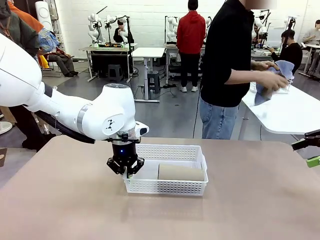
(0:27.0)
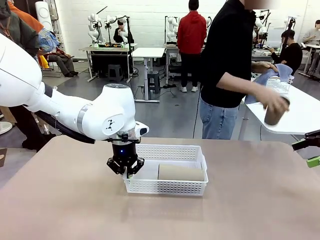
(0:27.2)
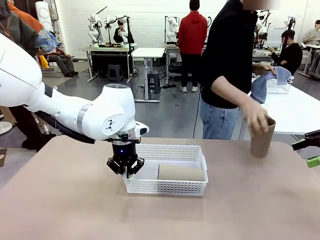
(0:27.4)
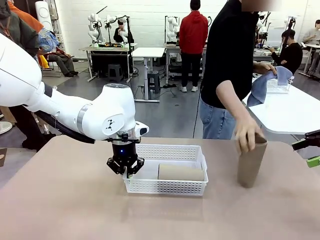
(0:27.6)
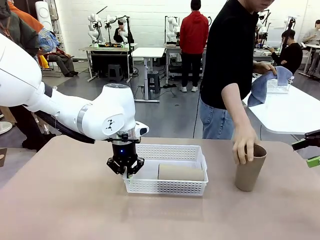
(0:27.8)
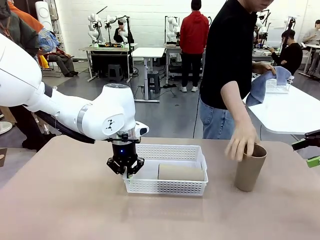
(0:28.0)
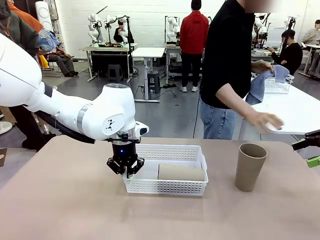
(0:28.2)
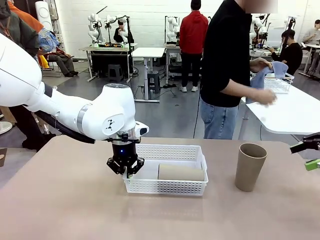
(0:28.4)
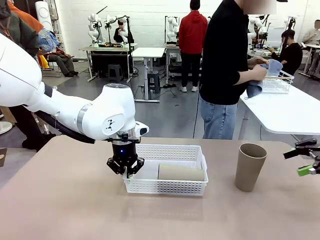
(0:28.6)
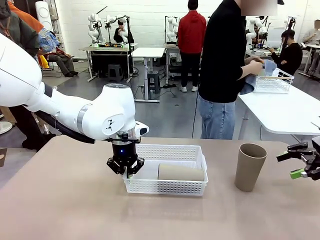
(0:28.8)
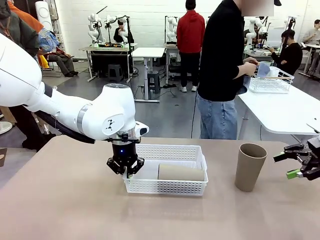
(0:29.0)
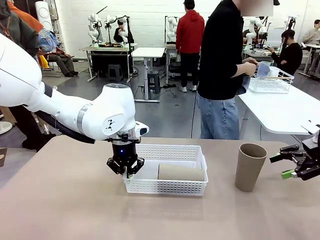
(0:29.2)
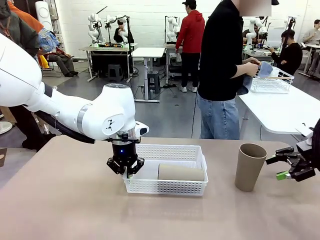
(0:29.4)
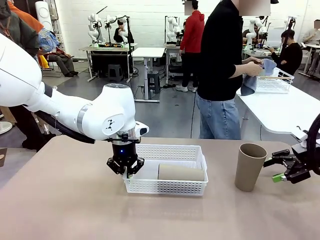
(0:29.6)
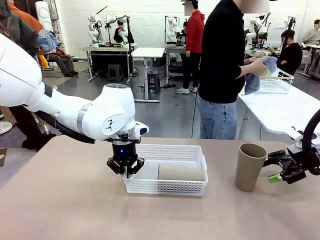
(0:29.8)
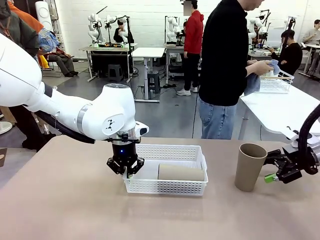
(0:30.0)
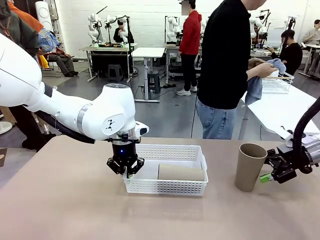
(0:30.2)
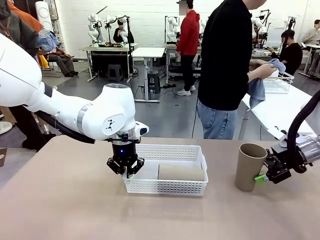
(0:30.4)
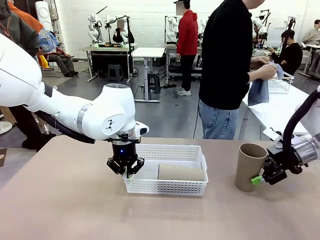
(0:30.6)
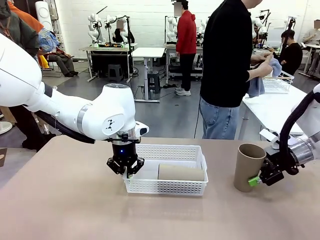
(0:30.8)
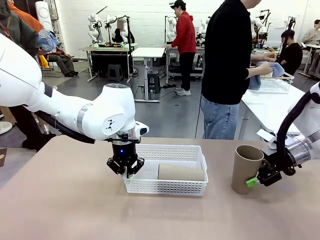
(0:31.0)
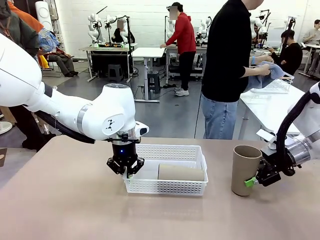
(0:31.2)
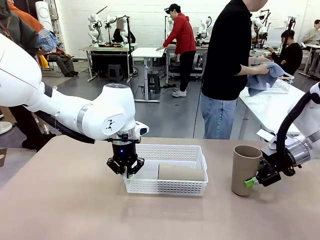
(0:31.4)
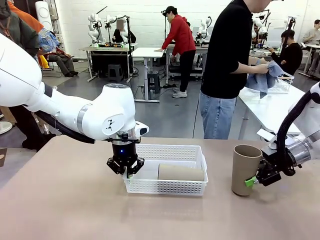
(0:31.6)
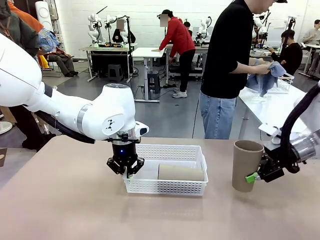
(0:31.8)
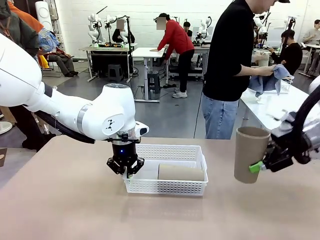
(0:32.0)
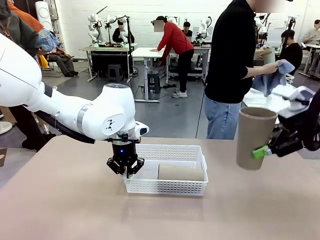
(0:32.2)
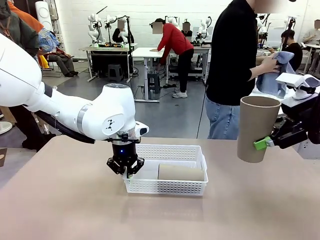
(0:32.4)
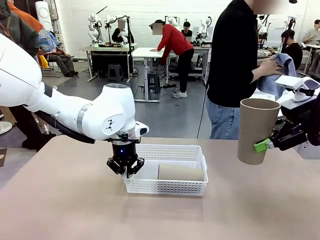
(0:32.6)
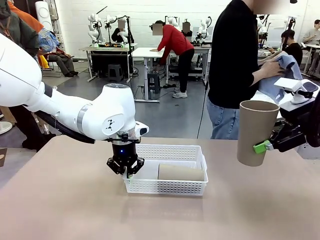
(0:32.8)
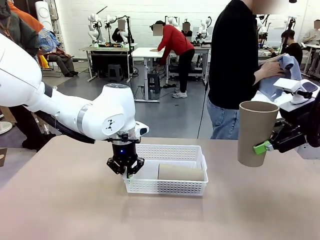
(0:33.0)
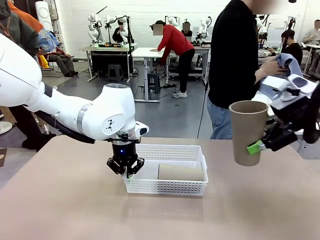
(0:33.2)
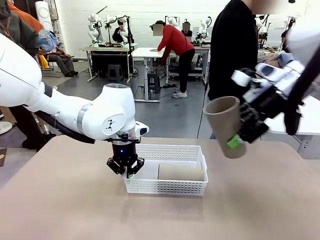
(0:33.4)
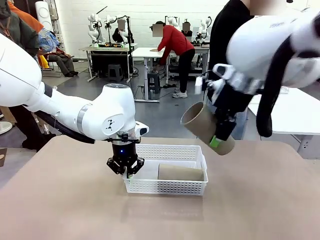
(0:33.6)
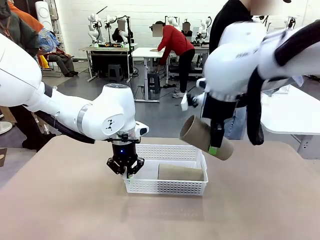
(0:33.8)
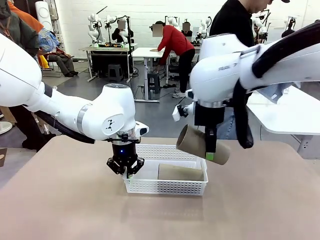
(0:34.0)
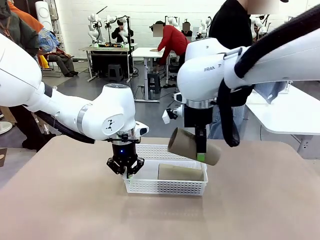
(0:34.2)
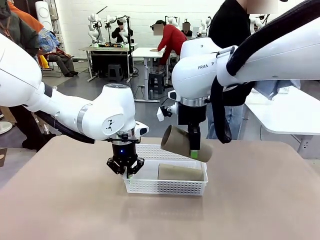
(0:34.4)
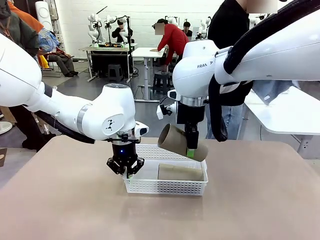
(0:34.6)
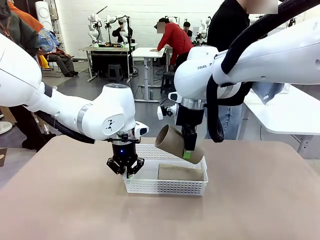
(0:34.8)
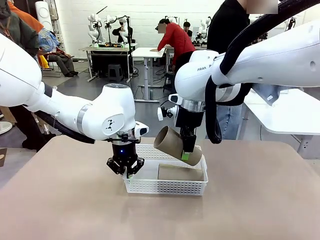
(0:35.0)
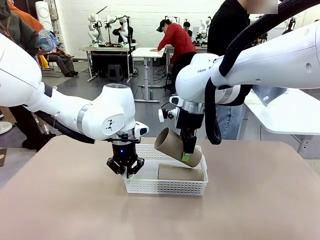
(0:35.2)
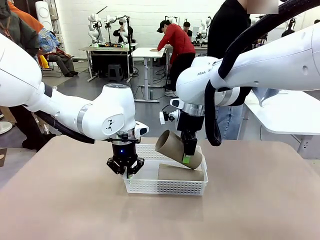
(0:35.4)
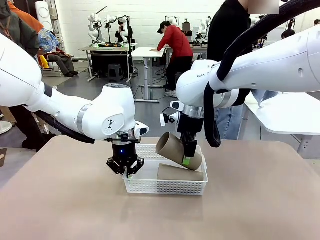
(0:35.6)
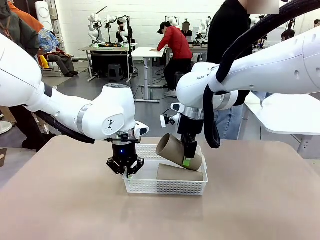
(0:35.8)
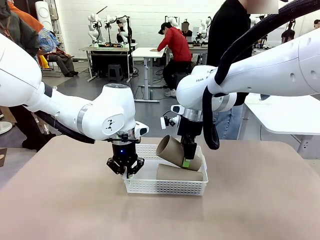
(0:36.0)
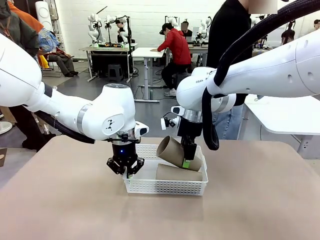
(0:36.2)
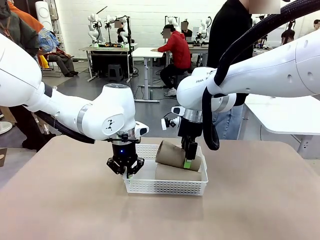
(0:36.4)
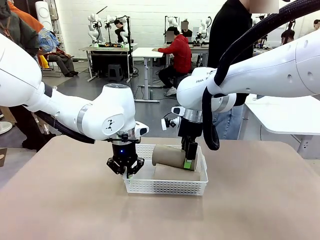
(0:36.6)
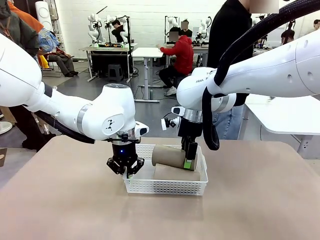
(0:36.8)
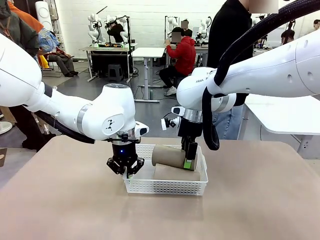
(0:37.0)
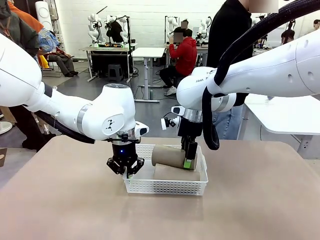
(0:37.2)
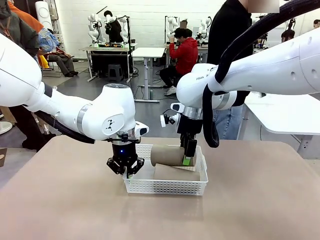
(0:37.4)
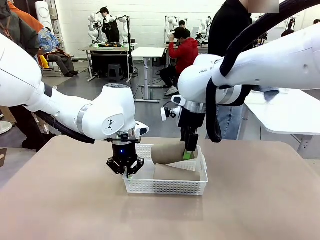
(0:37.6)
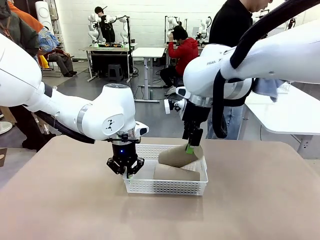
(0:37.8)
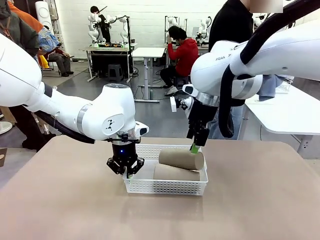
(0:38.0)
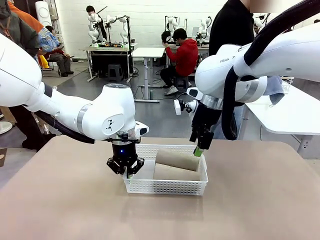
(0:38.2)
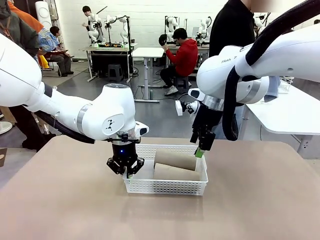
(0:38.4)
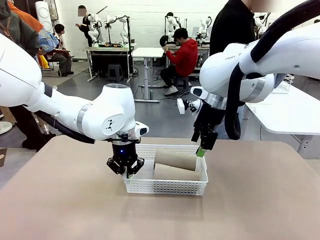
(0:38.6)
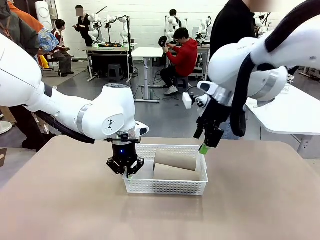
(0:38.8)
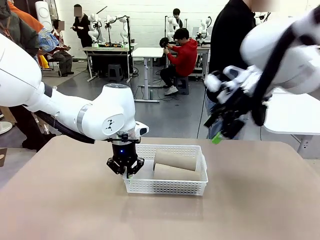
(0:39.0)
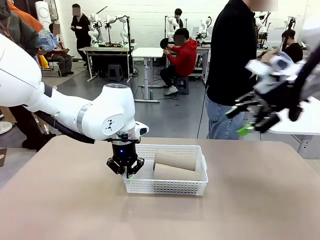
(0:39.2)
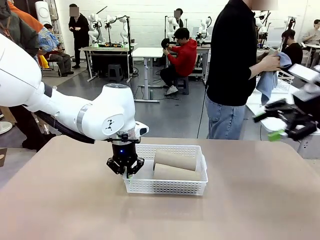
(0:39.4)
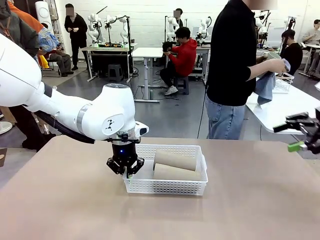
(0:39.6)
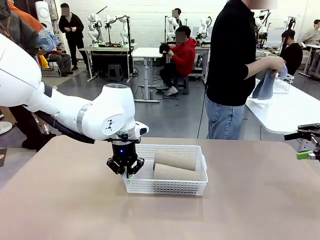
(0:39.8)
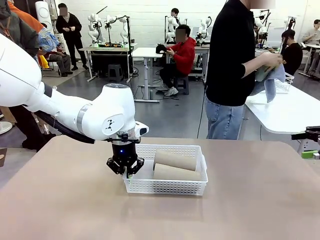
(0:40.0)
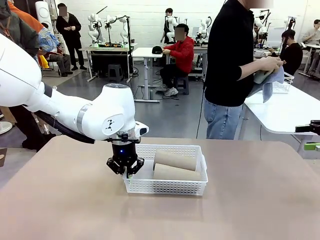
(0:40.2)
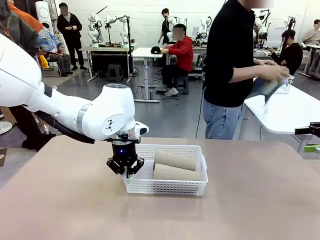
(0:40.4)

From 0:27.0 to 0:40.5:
Task: Clean and organize the cups into the basket.
Robot: Pick up the Reusable plastic cup from the right side of the table and stack it inside the Organizing basket in the center of the table.
